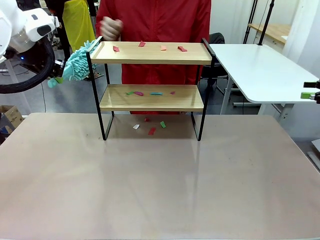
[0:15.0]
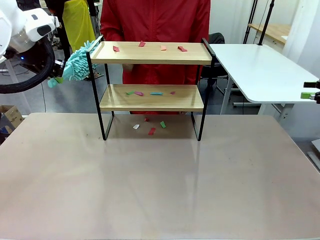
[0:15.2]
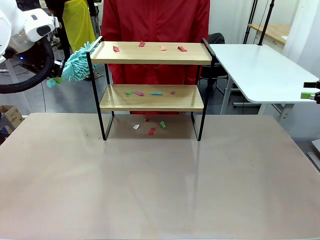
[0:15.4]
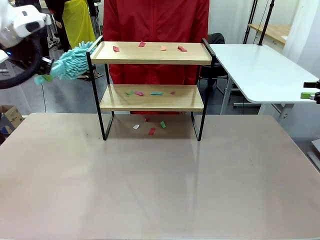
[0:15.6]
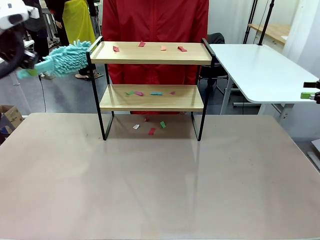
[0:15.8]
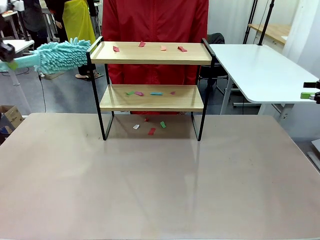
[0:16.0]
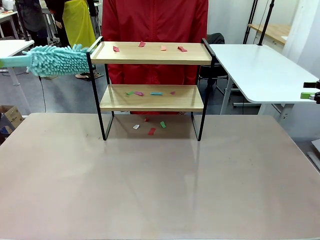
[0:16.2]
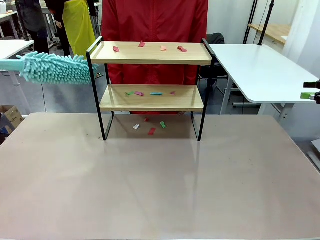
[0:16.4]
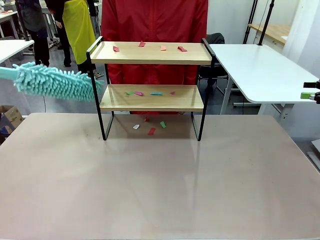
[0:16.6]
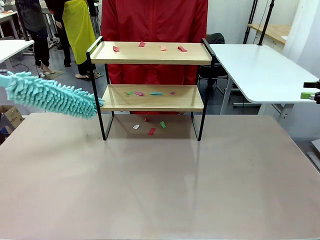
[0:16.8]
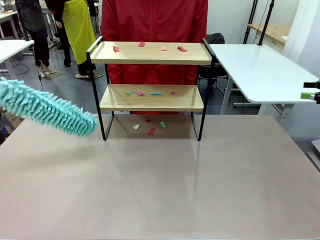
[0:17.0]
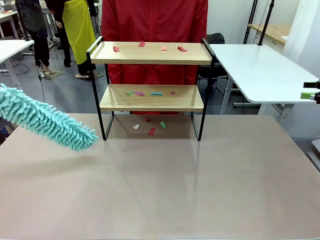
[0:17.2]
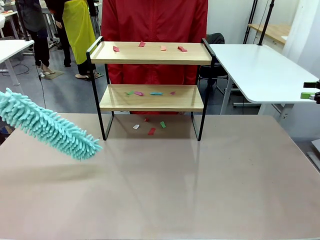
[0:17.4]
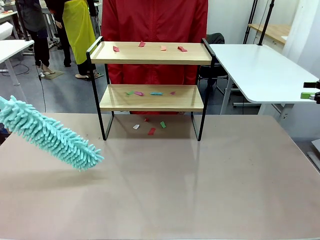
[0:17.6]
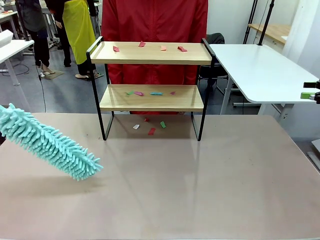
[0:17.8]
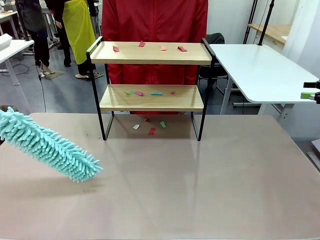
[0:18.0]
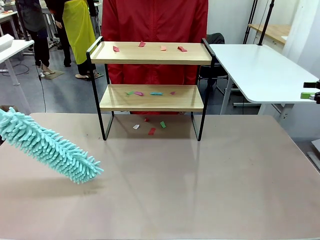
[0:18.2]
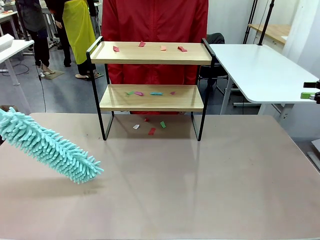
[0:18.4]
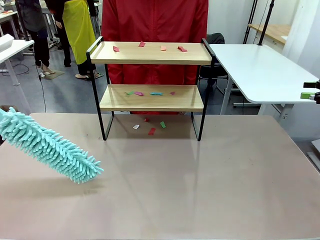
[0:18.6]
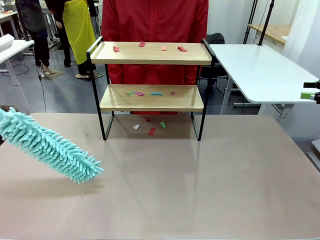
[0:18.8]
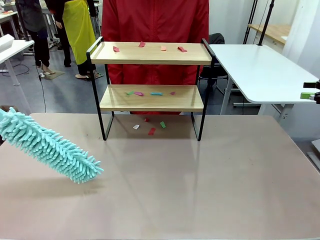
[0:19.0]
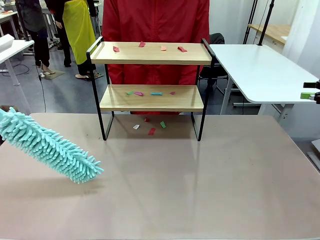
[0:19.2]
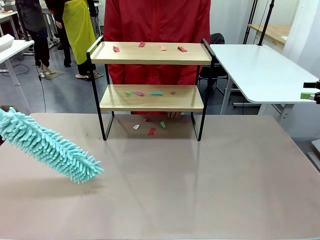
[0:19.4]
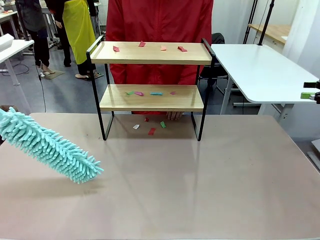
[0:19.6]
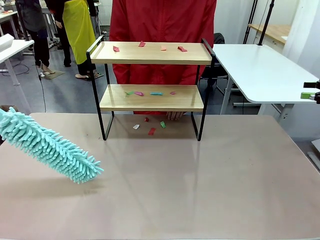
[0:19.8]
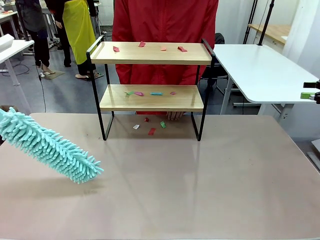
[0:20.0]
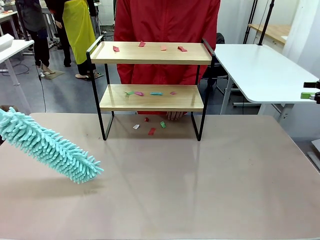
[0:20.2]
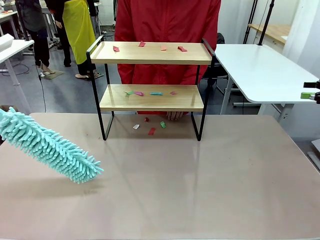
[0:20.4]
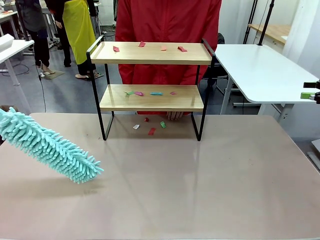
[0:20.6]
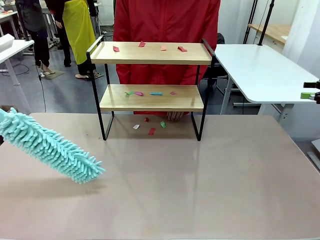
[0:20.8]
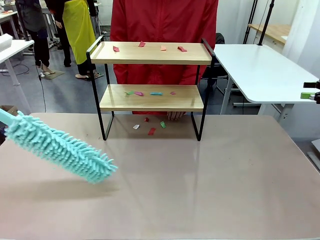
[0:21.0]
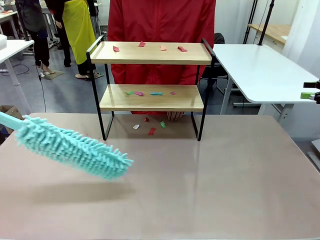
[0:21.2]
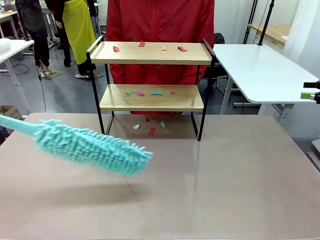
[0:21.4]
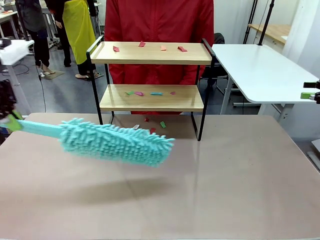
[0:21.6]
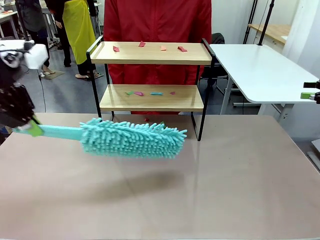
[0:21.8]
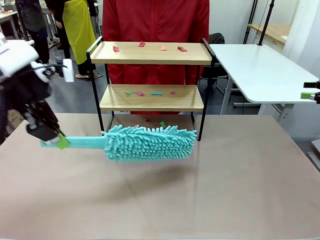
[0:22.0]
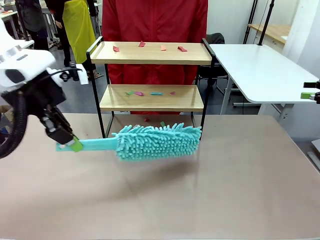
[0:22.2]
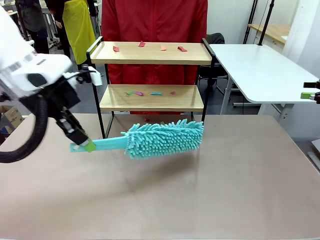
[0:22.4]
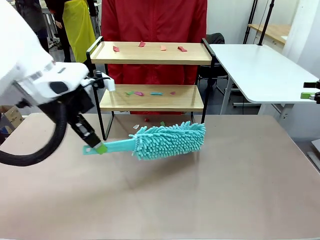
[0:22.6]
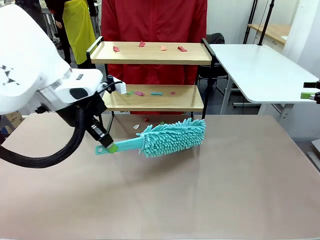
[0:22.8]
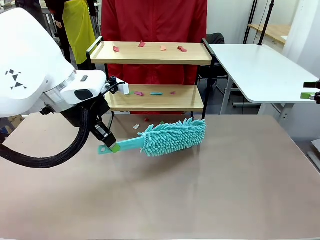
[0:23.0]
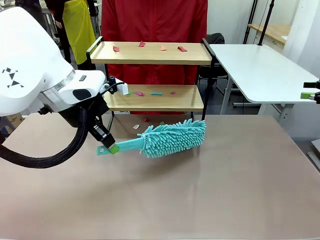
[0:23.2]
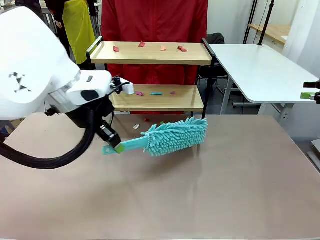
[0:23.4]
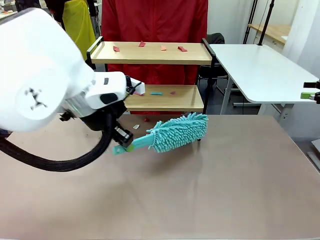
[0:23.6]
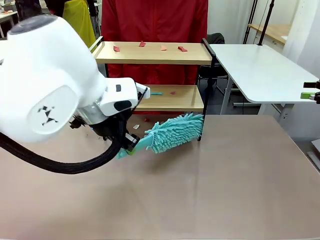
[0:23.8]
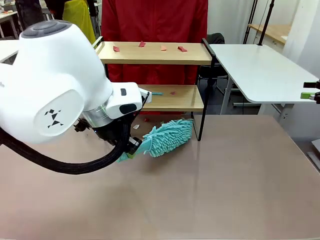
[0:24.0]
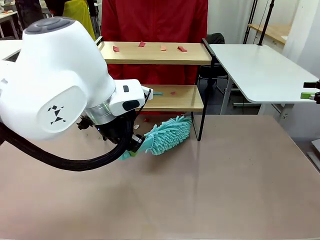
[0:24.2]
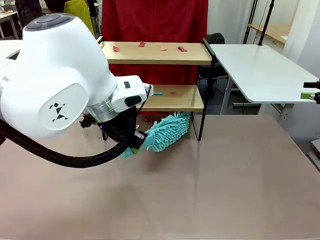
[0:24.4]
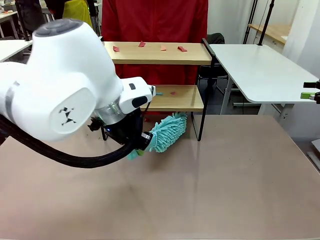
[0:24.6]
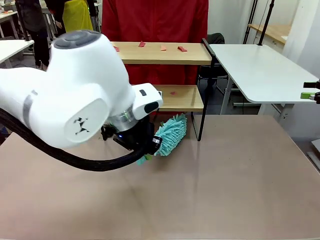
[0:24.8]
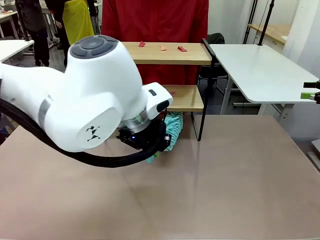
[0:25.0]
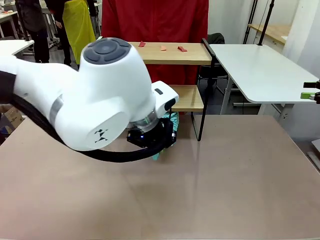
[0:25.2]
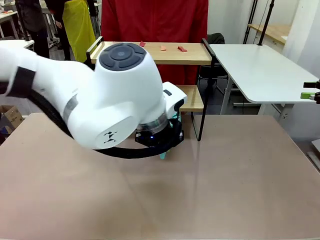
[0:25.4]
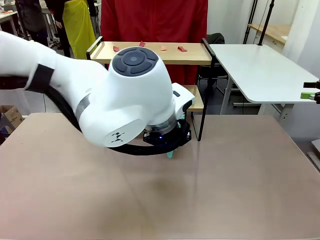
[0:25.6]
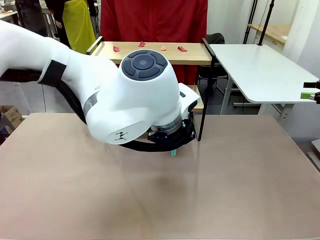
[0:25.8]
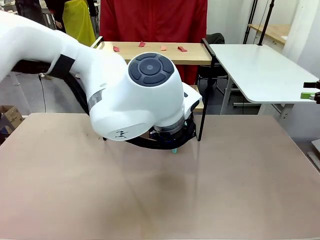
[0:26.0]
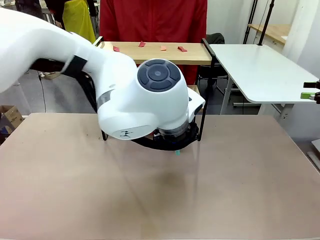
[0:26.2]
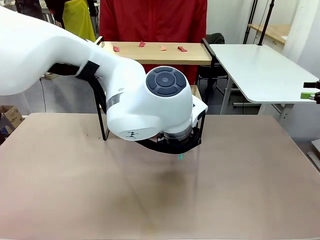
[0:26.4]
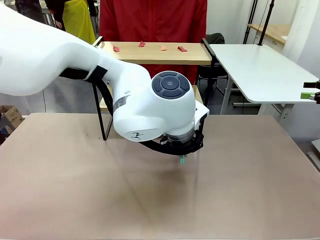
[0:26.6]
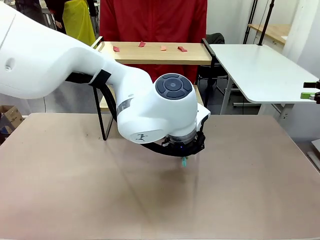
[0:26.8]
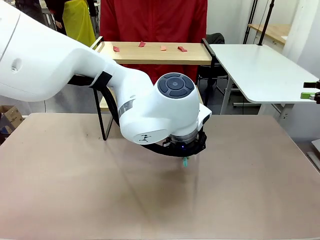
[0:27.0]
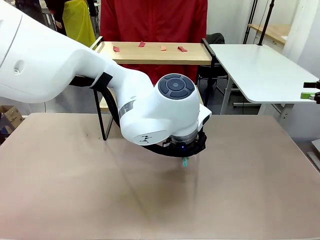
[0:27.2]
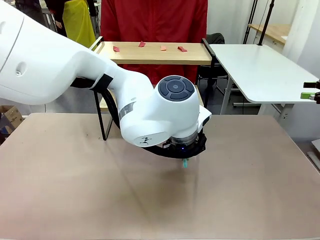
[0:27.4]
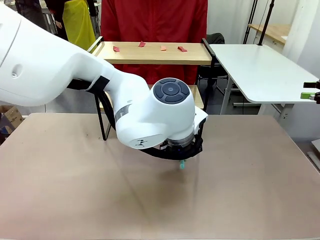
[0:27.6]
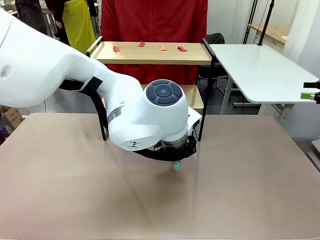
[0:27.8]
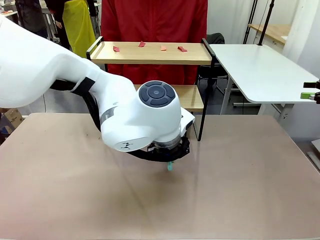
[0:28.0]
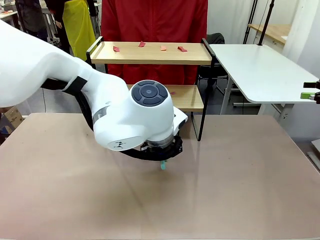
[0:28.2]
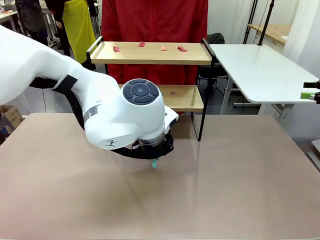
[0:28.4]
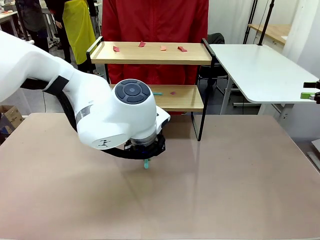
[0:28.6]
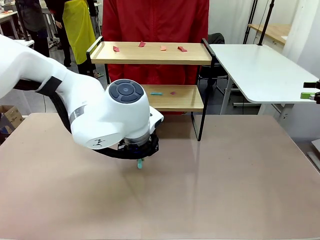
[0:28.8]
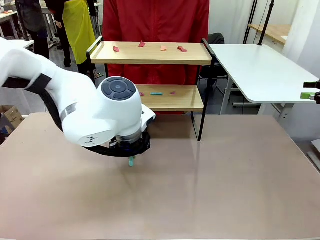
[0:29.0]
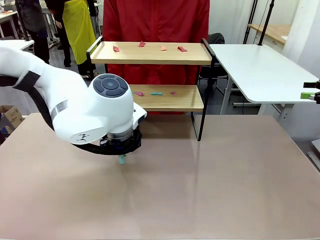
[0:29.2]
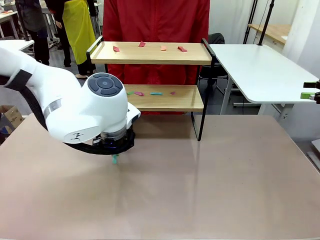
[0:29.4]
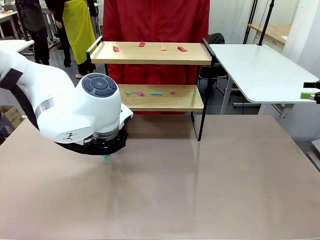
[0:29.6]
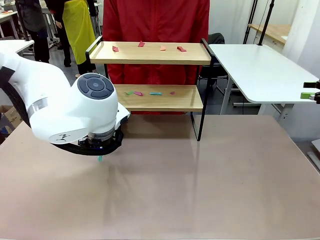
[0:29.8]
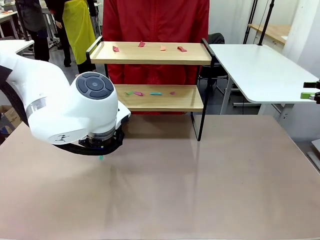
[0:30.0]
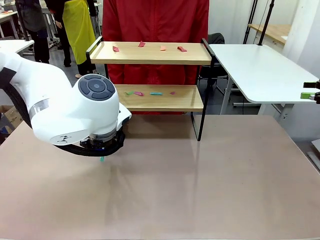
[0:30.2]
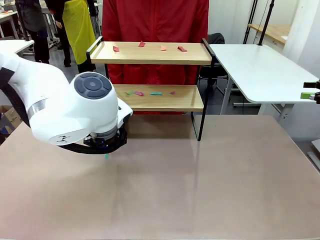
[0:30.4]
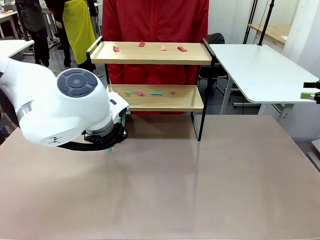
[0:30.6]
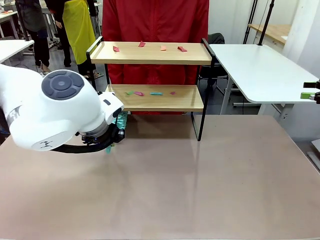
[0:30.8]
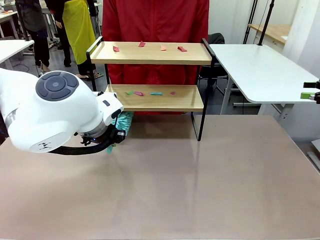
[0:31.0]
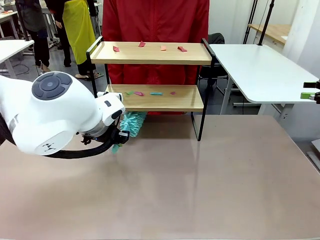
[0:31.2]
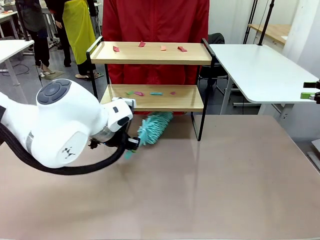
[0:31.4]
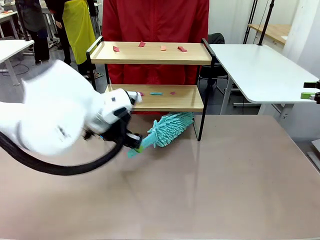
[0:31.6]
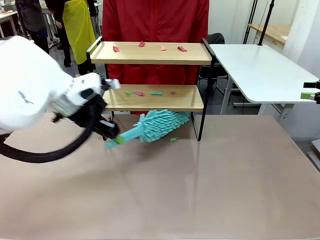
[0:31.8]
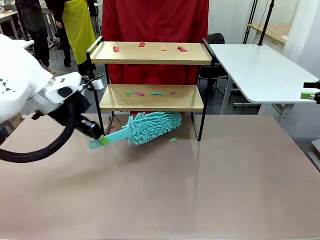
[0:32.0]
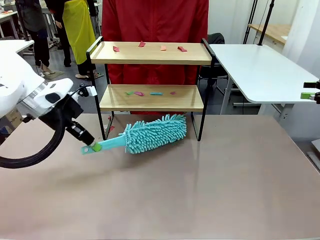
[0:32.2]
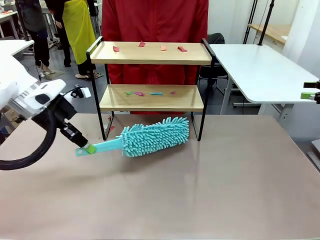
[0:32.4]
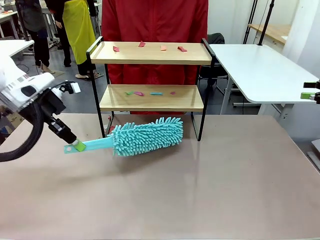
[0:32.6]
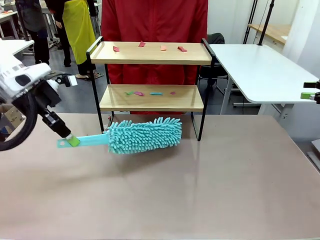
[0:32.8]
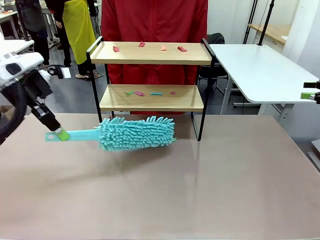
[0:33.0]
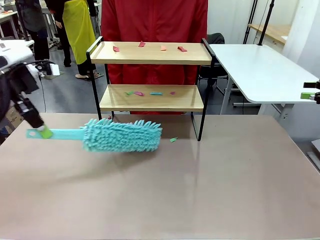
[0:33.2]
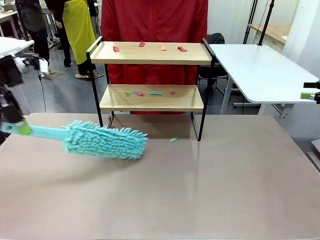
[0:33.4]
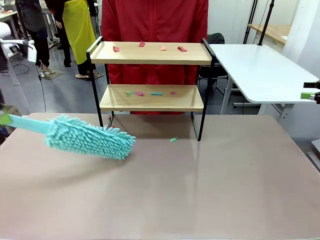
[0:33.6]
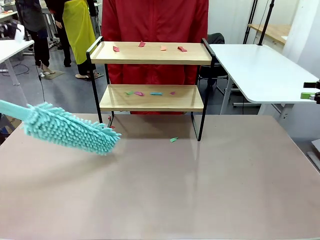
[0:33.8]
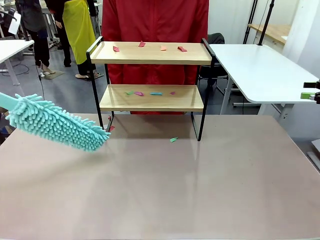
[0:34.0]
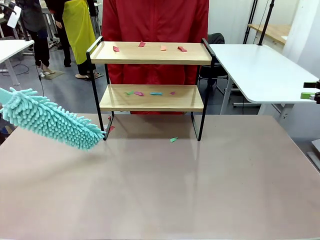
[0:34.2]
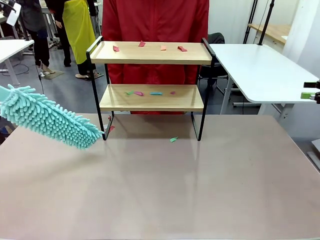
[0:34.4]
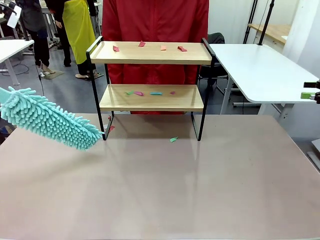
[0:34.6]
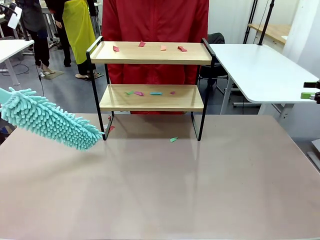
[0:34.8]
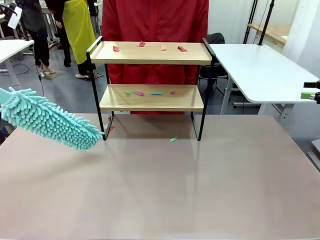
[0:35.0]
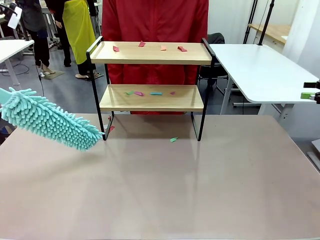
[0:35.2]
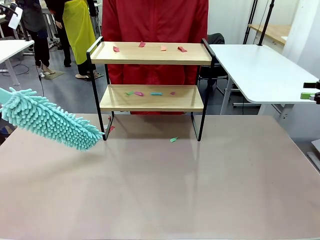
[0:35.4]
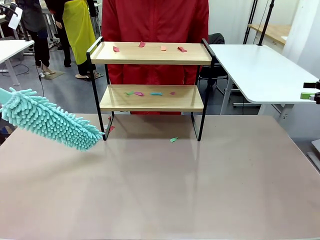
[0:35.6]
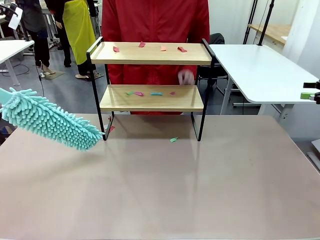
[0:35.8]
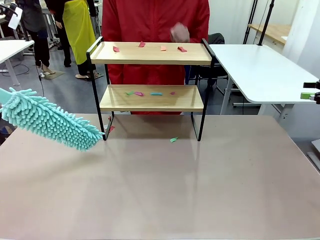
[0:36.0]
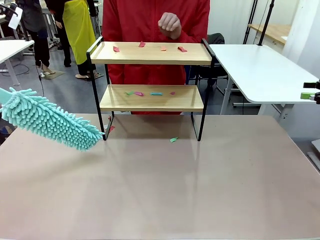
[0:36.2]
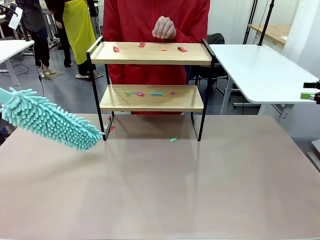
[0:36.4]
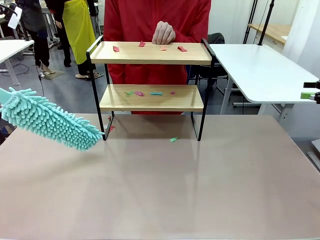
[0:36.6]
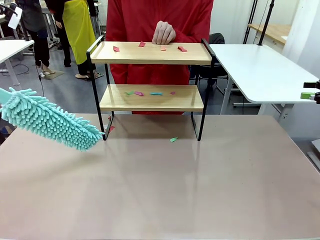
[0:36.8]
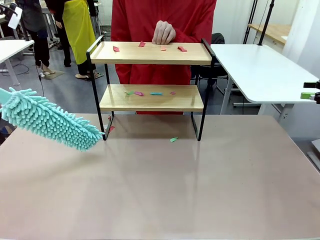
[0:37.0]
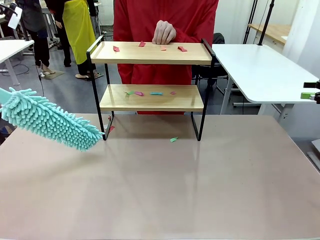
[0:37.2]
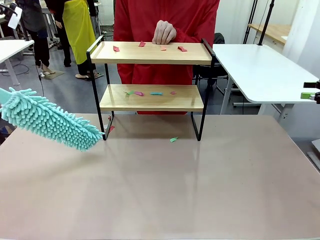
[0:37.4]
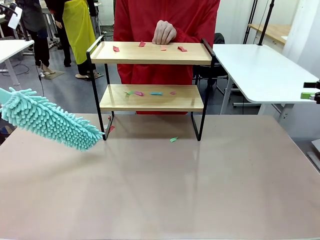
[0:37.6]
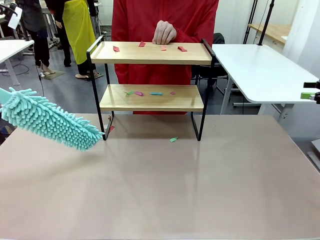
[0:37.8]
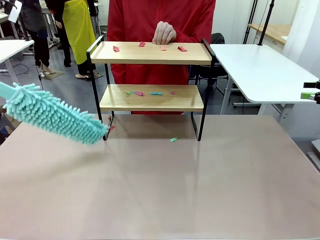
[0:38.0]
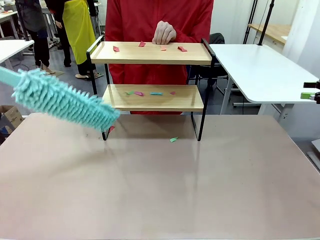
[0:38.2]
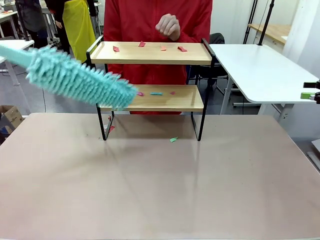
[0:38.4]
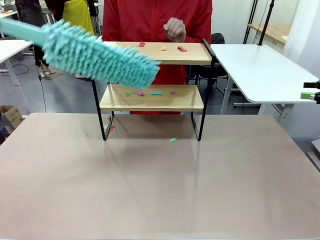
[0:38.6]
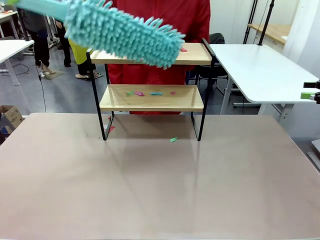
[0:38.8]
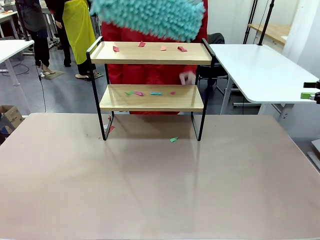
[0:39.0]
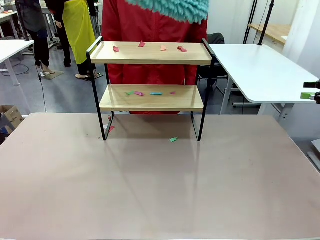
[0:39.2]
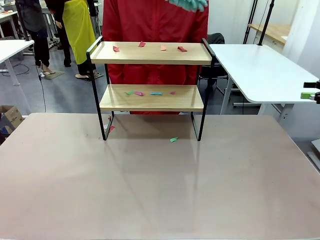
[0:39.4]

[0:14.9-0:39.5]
Task: Clean the shelf.
Robot: Clean the specific section of the Shelf indicated by the human with the Duster.
Person: Point a random section of the Shelf.
